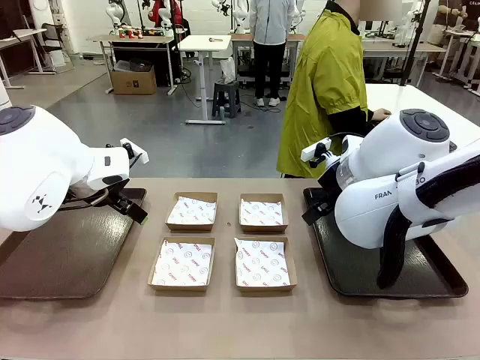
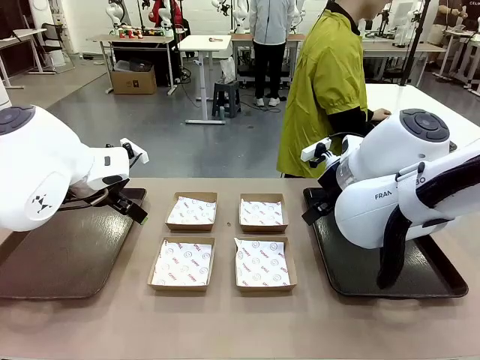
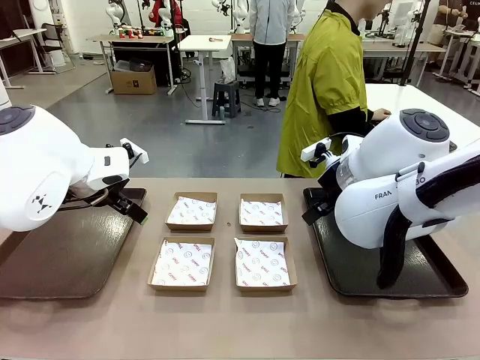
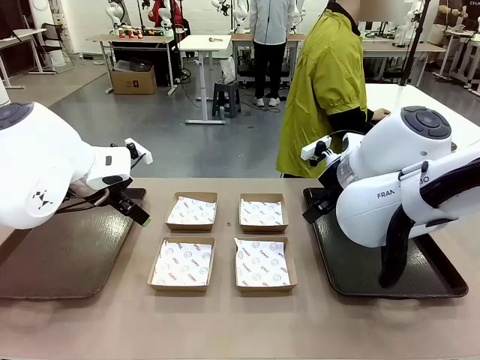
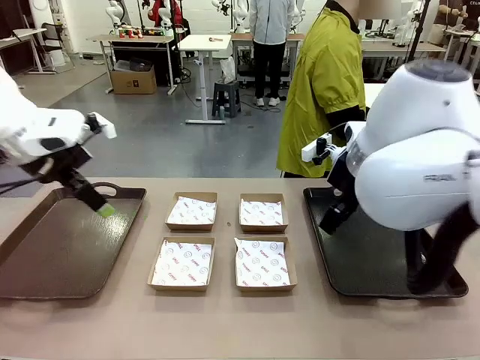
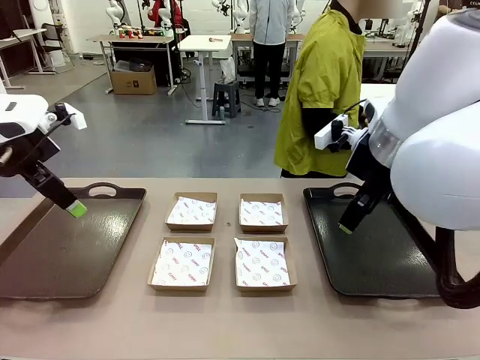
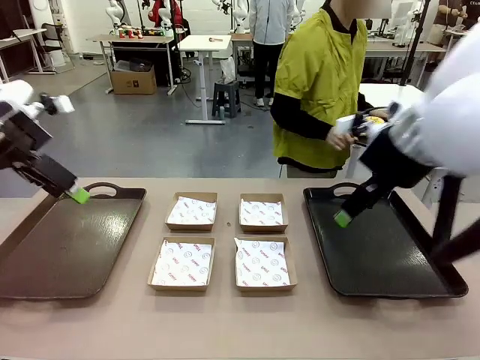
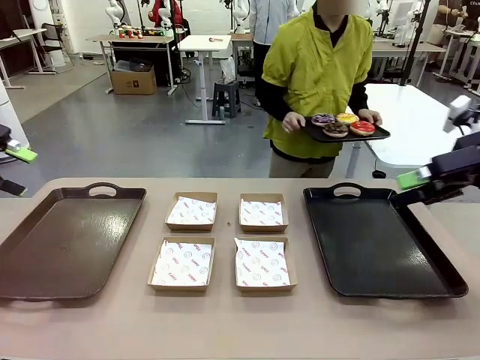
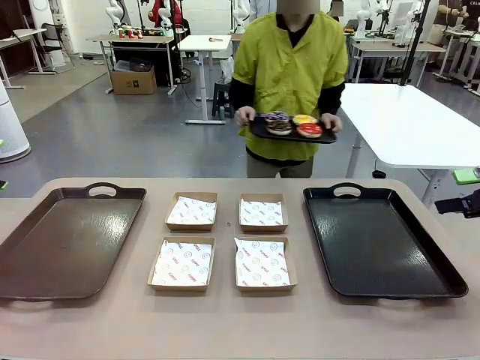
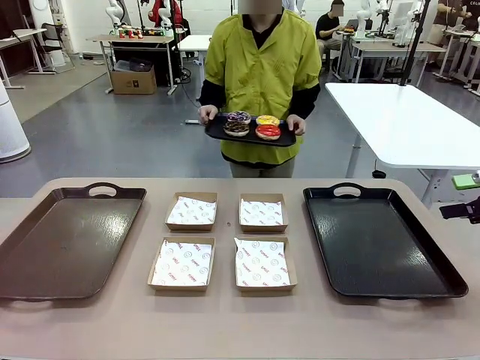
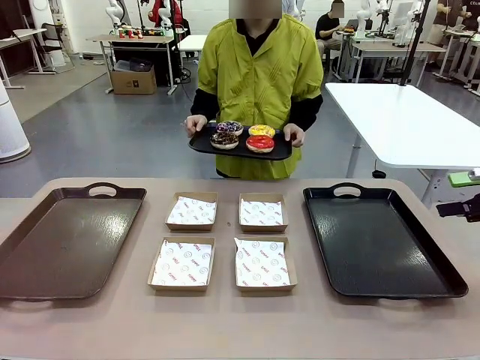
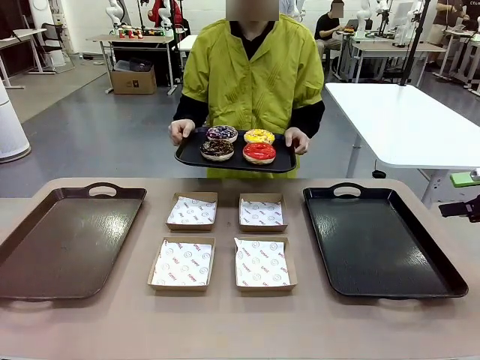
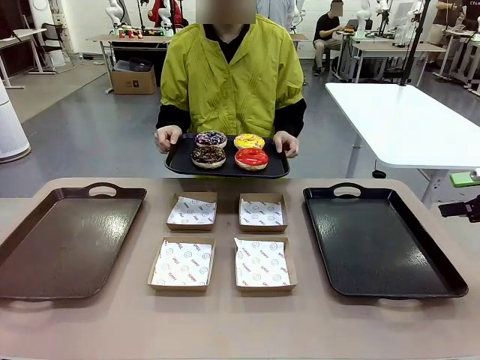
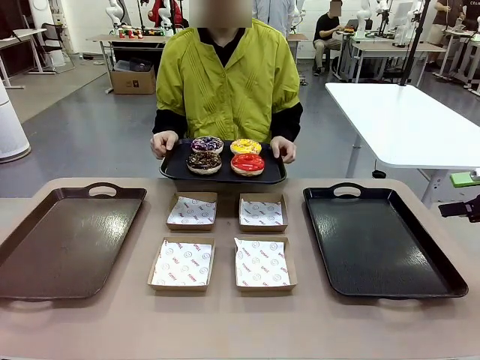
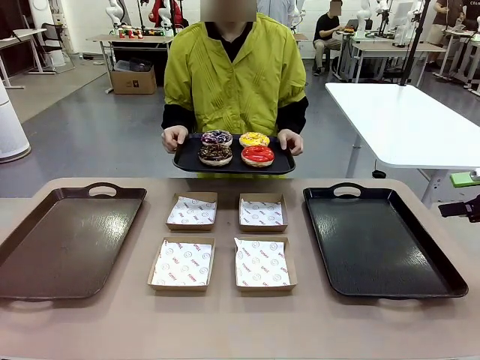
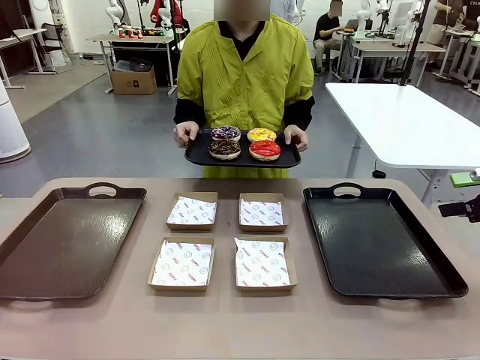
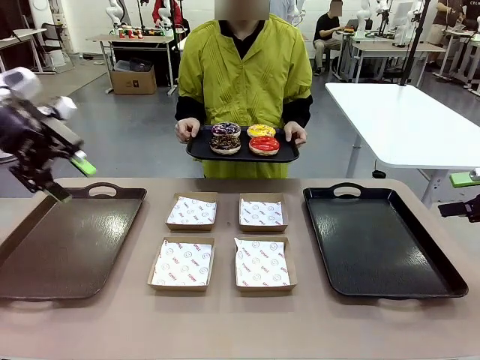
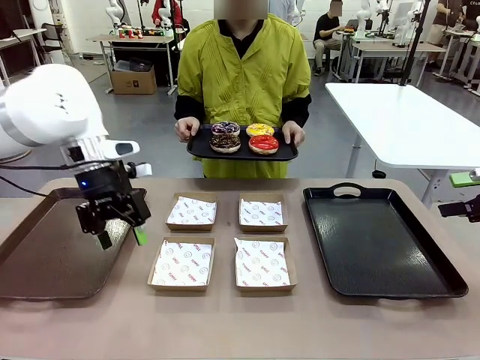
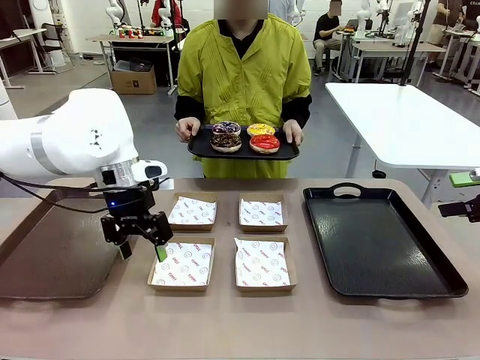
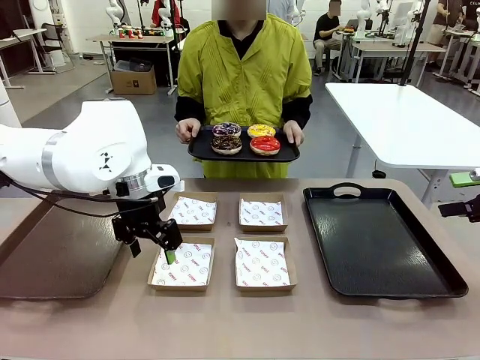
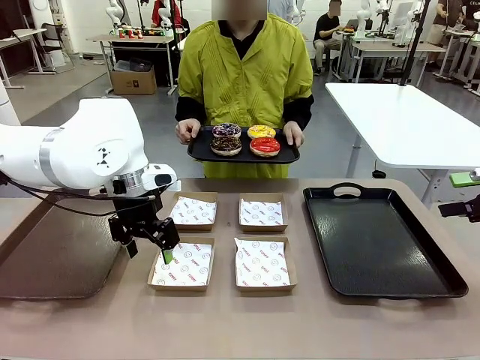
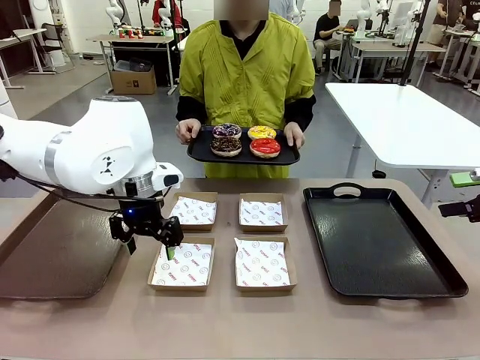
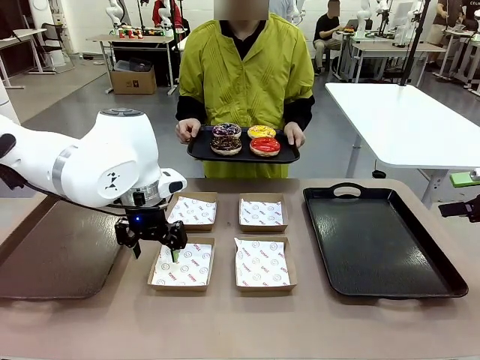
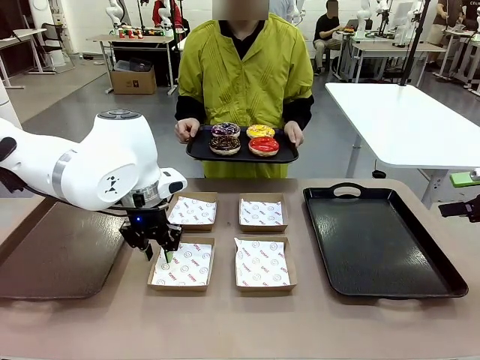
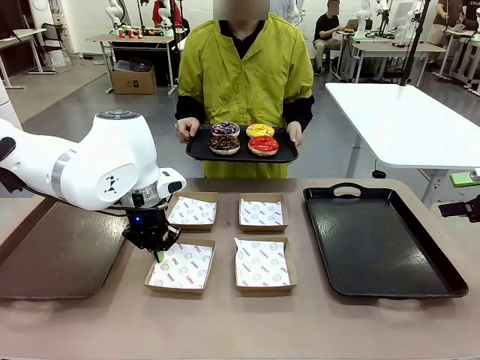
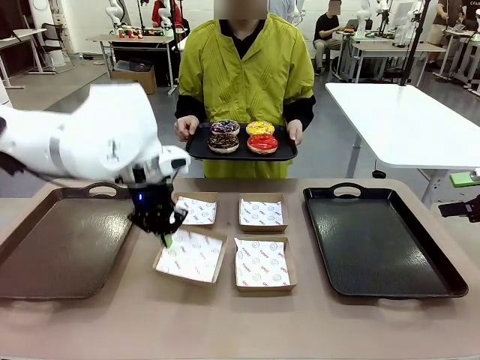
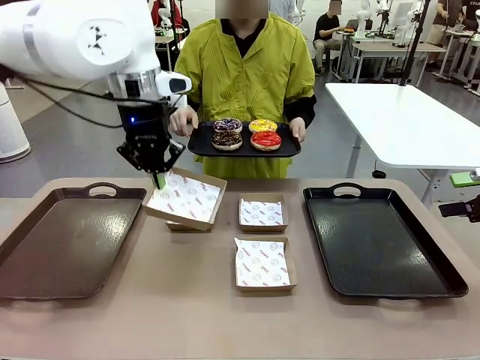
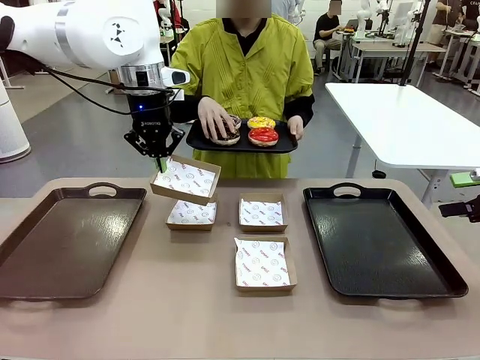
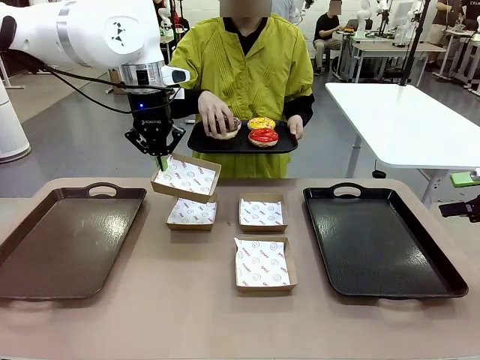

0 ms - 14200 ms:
Task: Individually package the donuts and arrange them on the tray.
Robot: Pick up one Paper togo box.
Person: Stand in front of the robot table holding the tray containing the donuts.

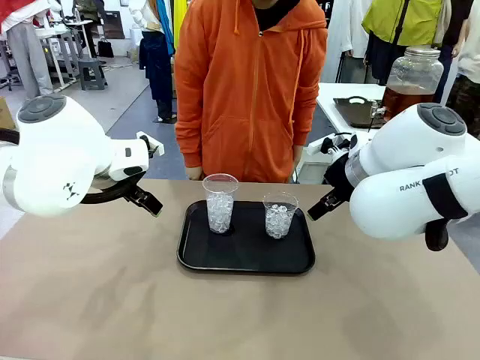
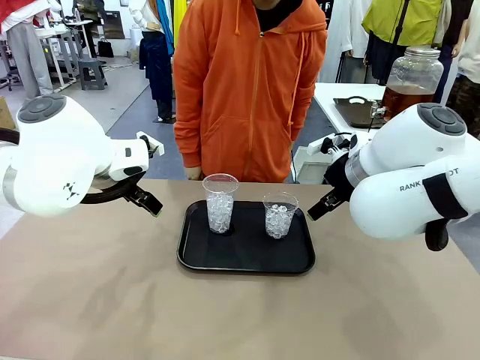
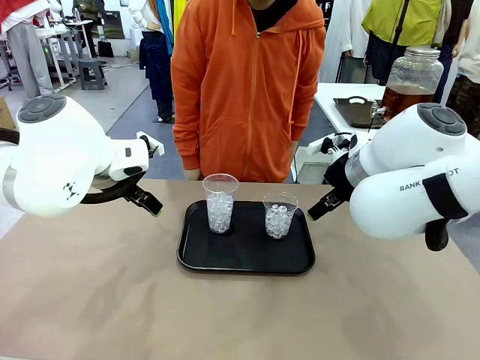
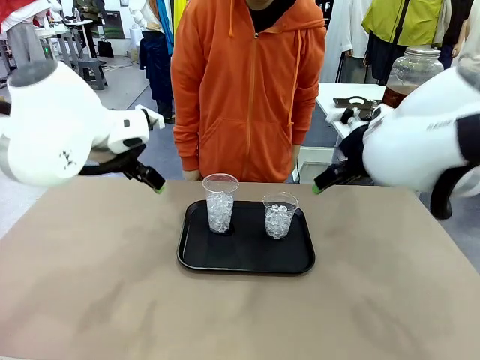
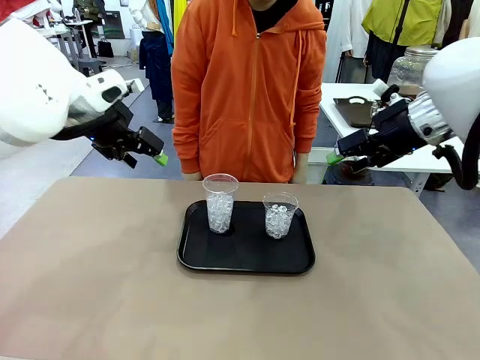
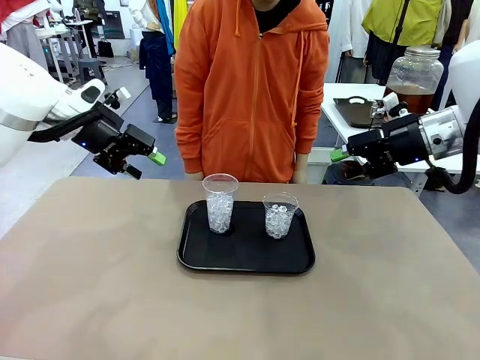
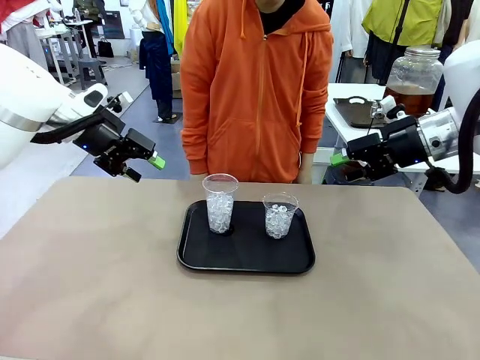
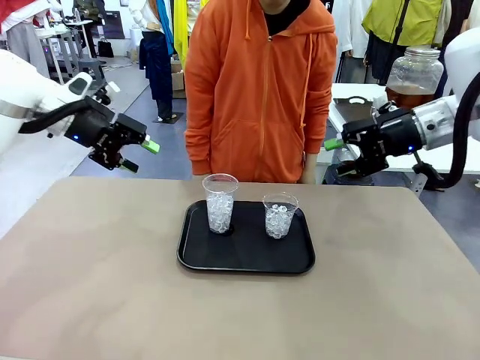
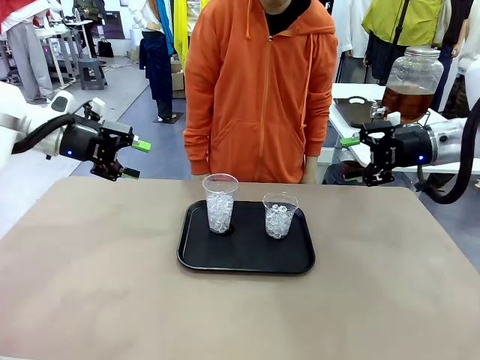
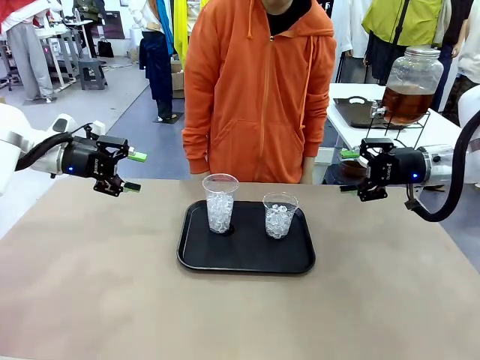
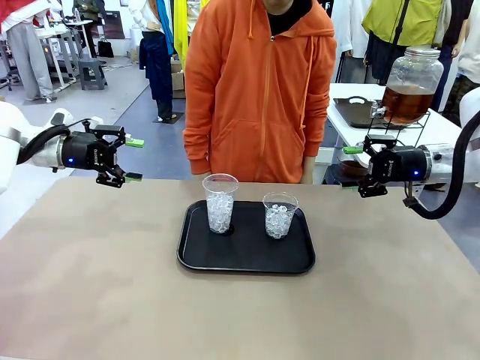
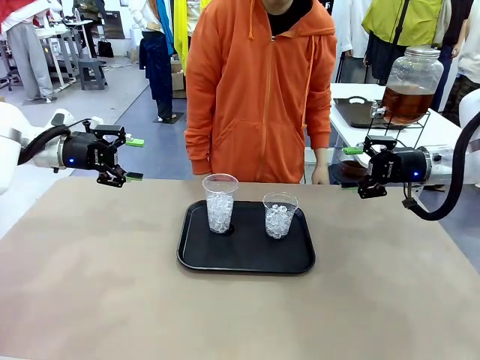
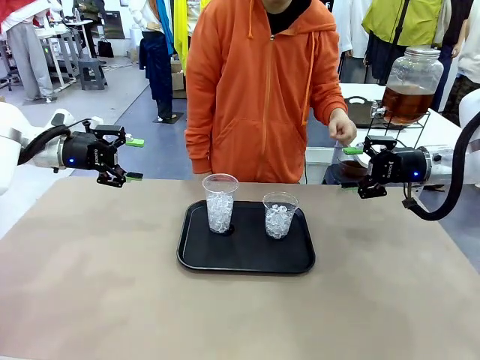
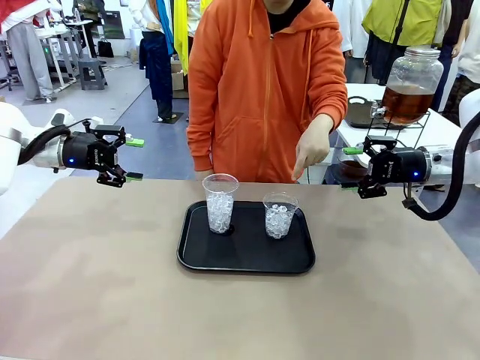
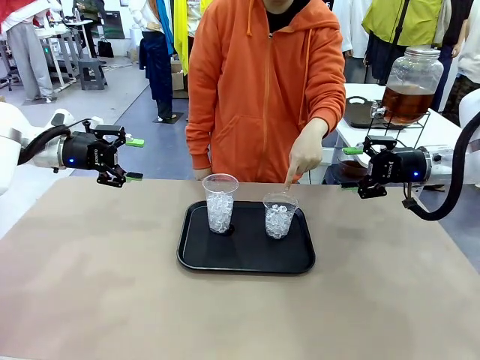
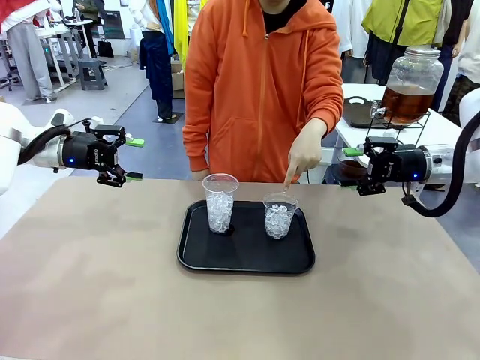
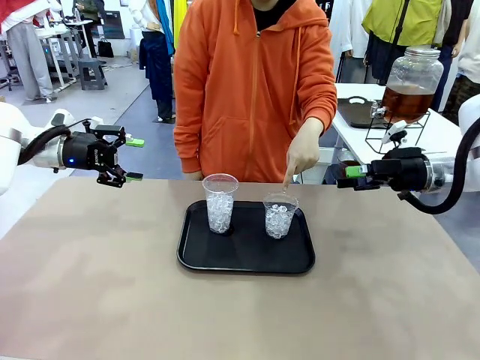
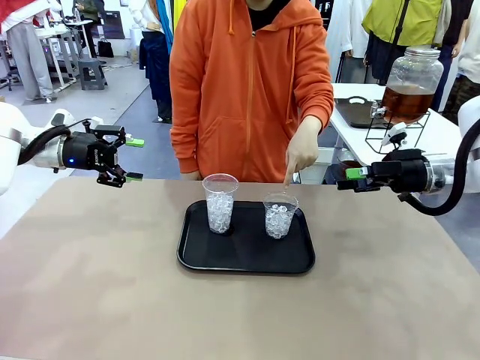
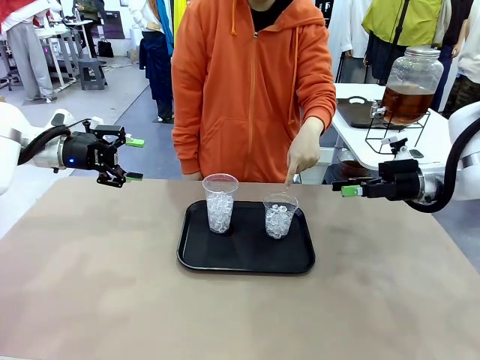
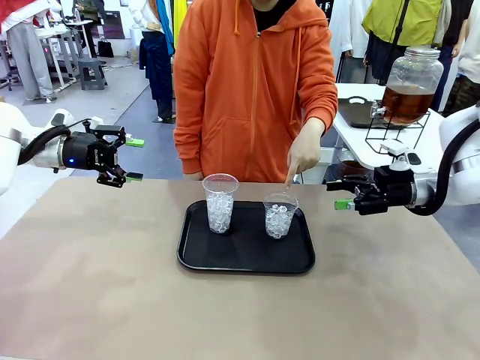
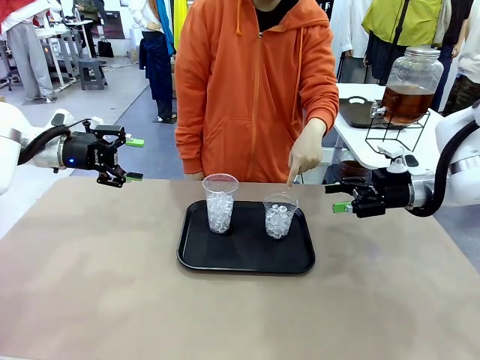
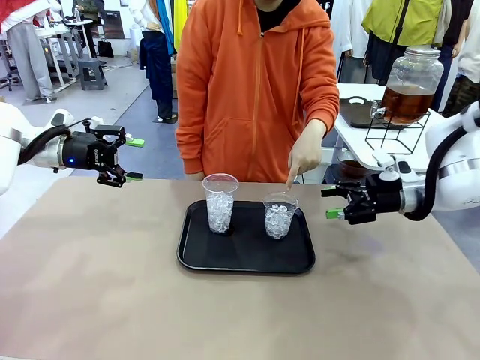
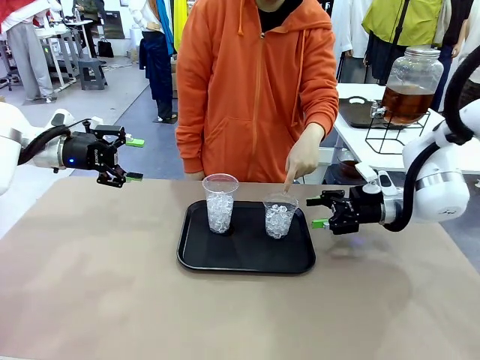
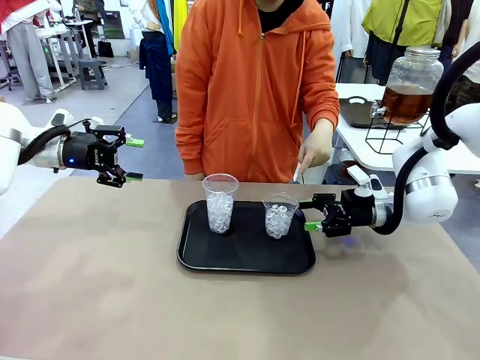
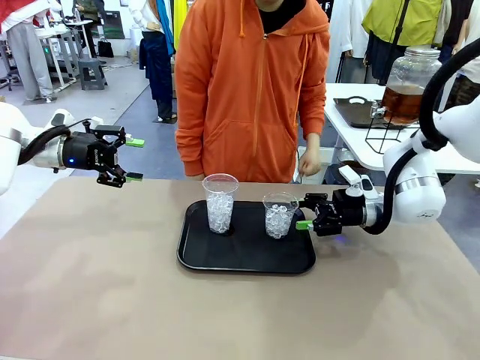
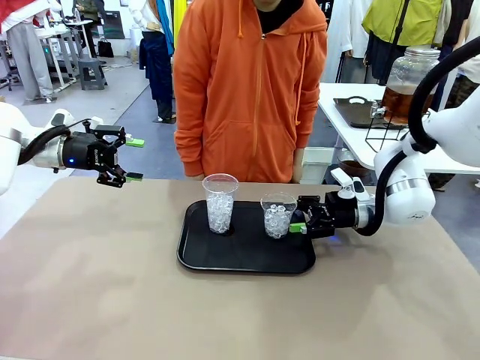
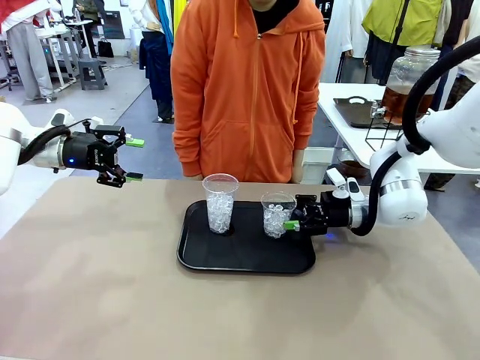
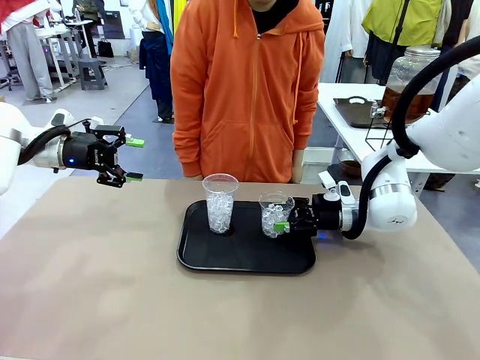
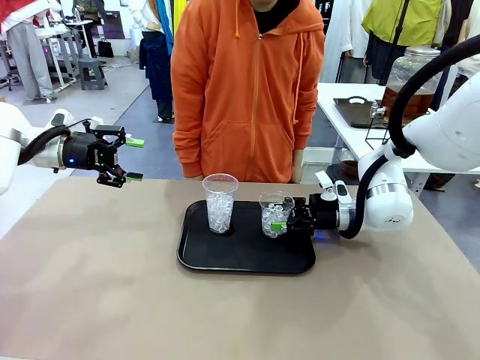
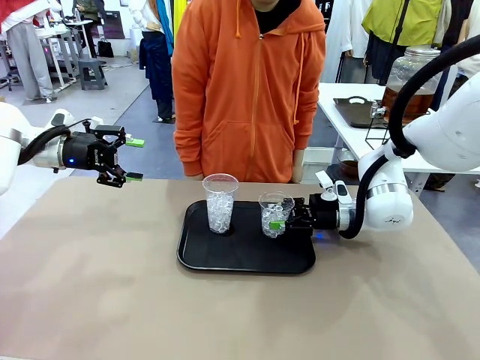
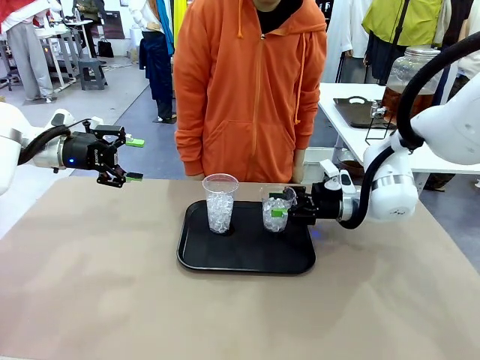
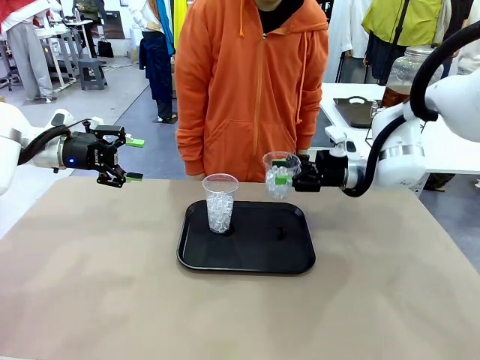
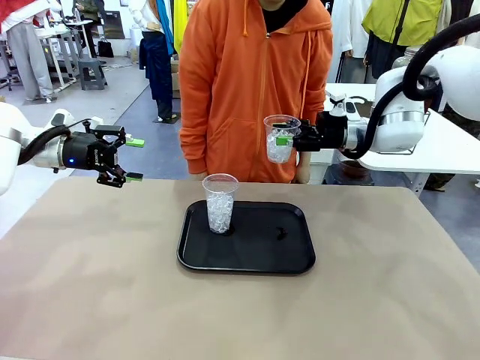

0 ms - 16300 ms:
Task: Pour the drink into the iced cup.
Robot: Pick up the iced cup indicated by the human and present it to them.
Person: Point to one of the two ice cups. Pick up the cup offered by the robot.
